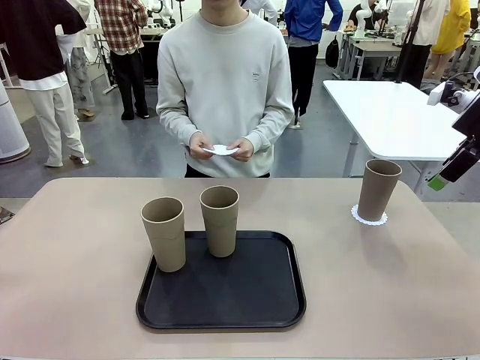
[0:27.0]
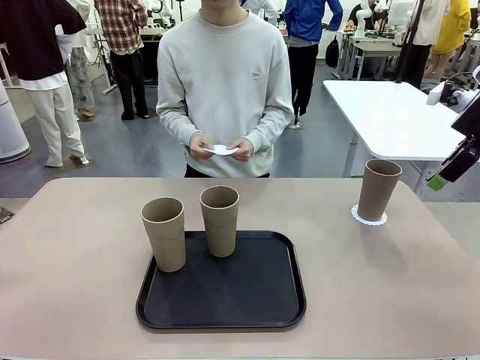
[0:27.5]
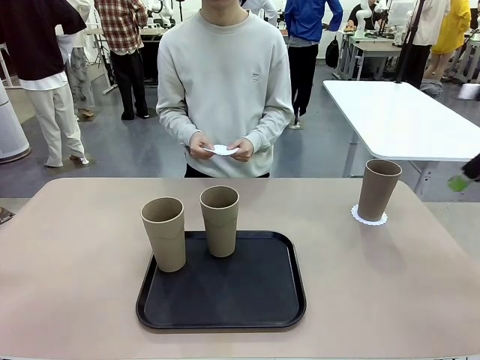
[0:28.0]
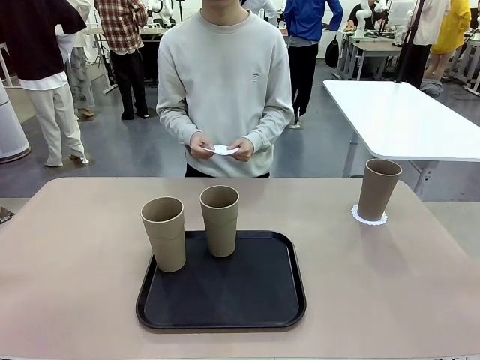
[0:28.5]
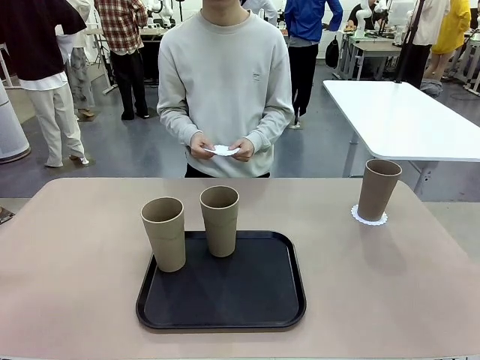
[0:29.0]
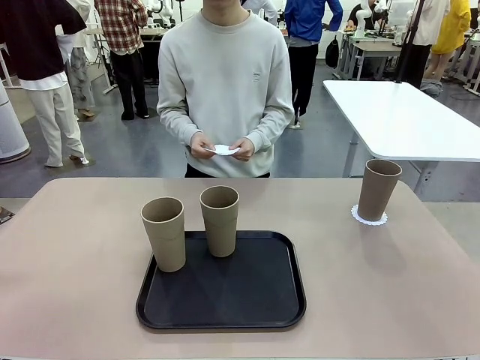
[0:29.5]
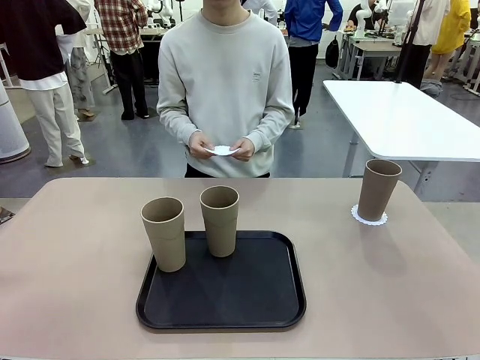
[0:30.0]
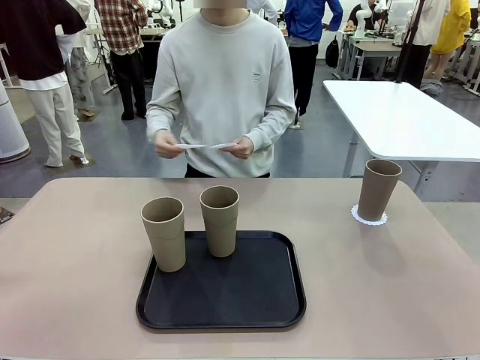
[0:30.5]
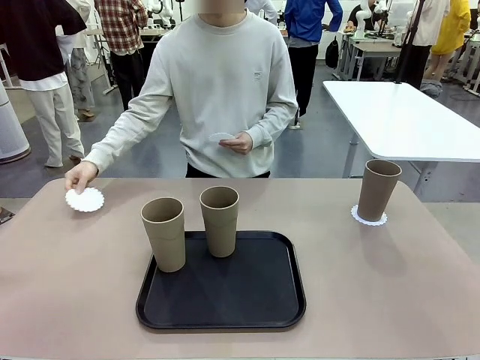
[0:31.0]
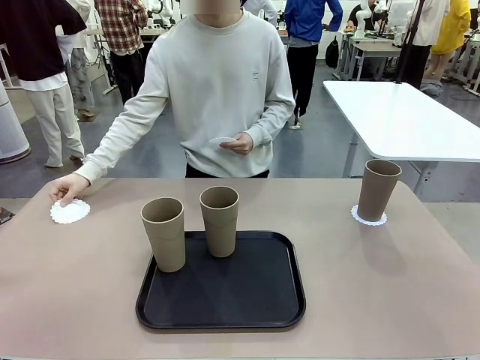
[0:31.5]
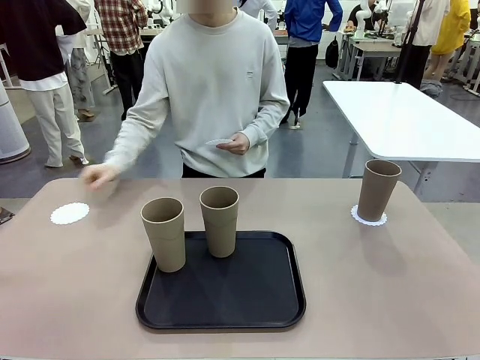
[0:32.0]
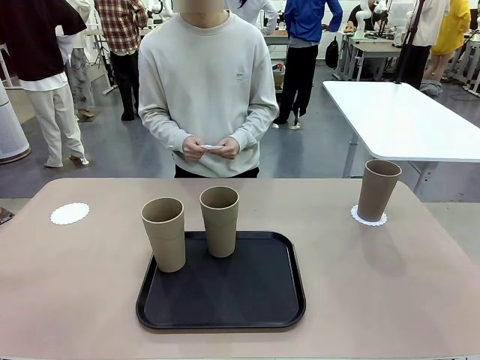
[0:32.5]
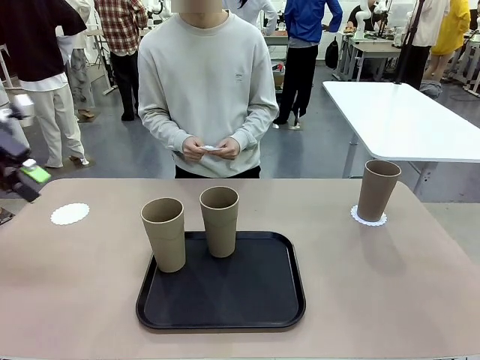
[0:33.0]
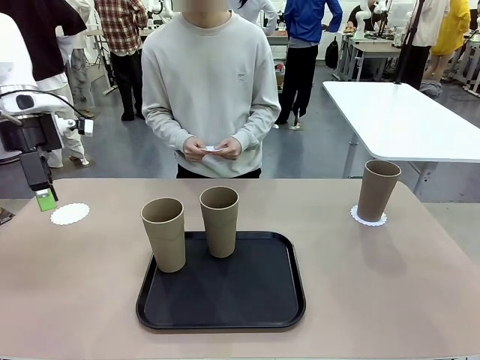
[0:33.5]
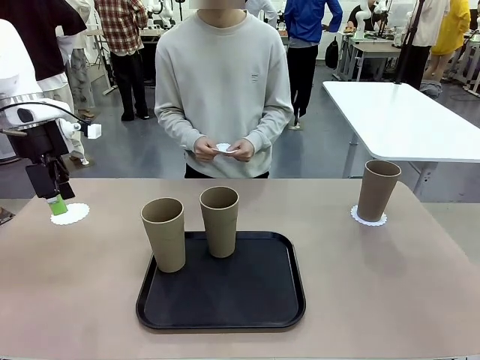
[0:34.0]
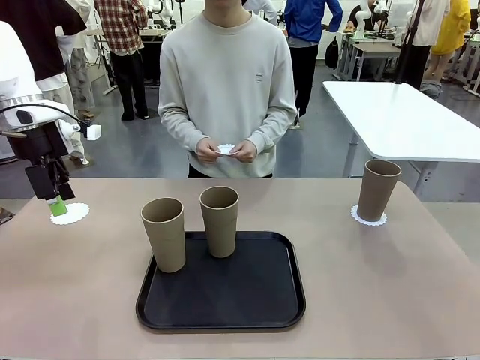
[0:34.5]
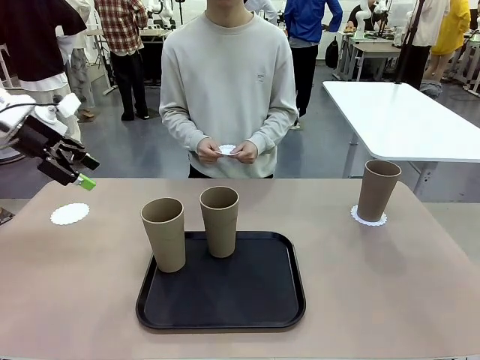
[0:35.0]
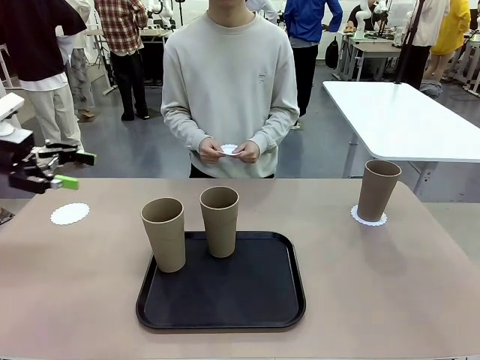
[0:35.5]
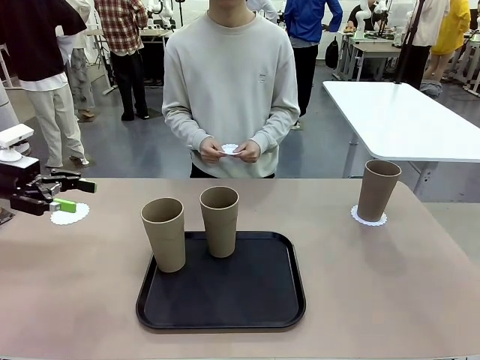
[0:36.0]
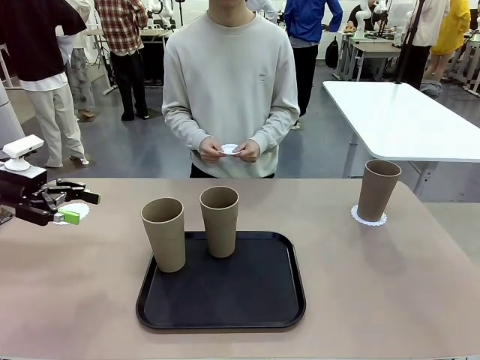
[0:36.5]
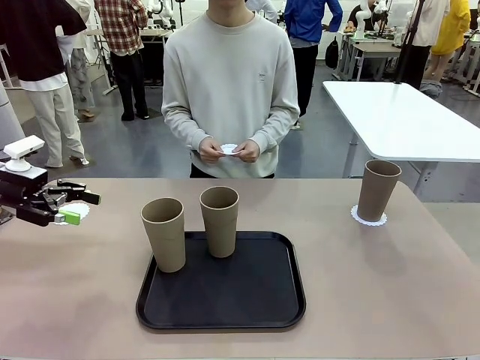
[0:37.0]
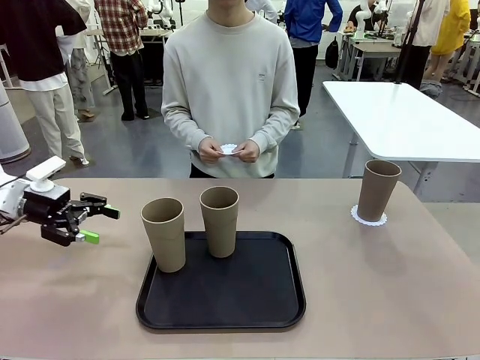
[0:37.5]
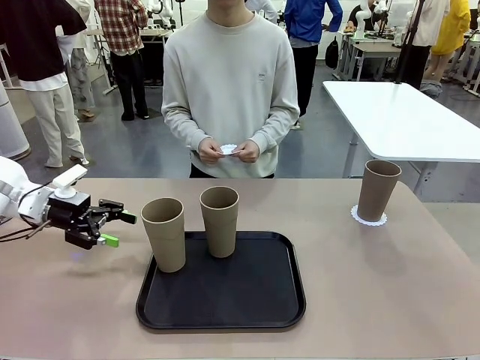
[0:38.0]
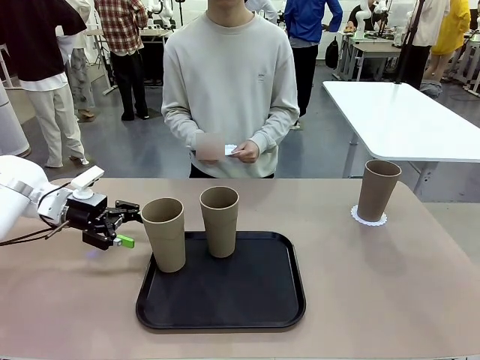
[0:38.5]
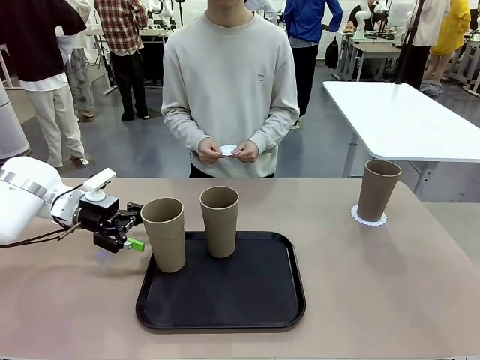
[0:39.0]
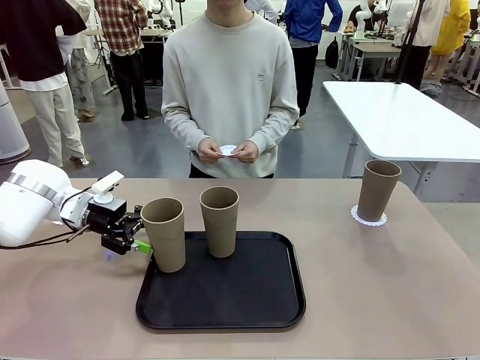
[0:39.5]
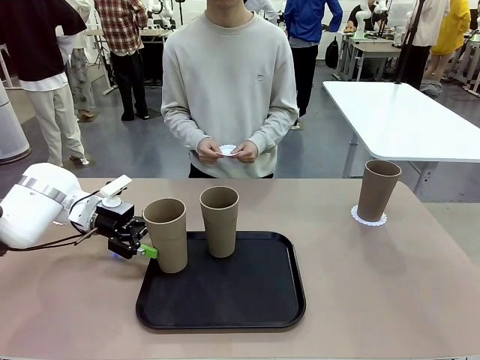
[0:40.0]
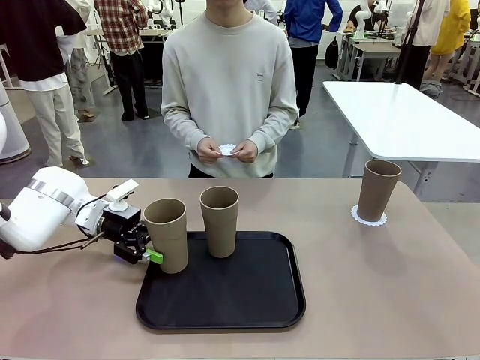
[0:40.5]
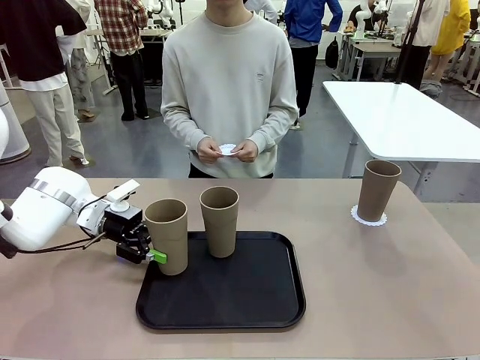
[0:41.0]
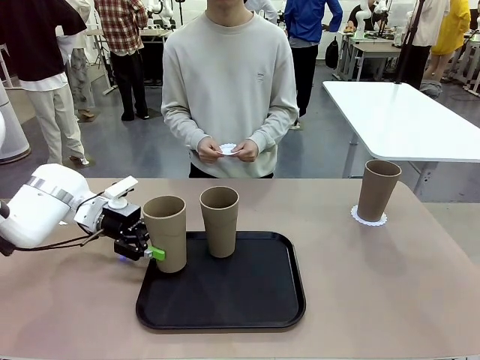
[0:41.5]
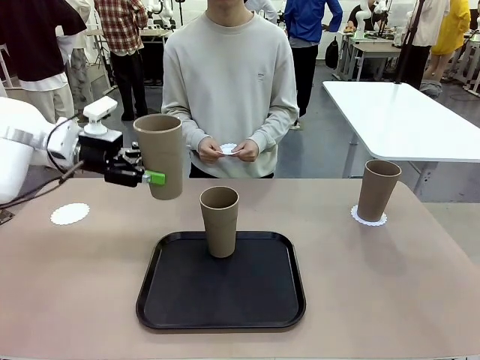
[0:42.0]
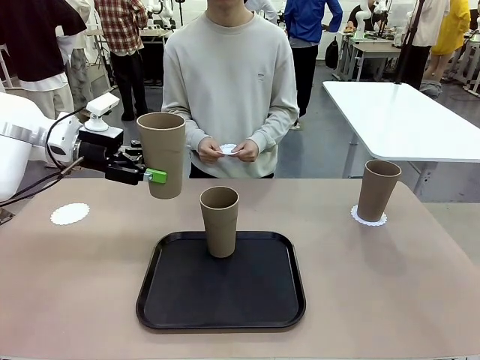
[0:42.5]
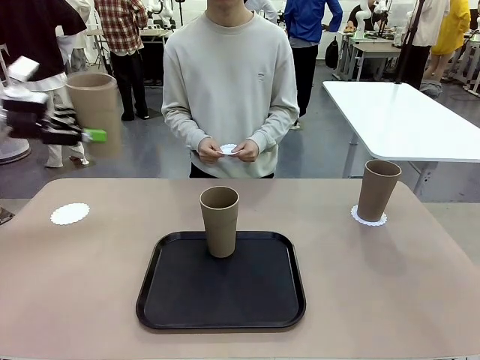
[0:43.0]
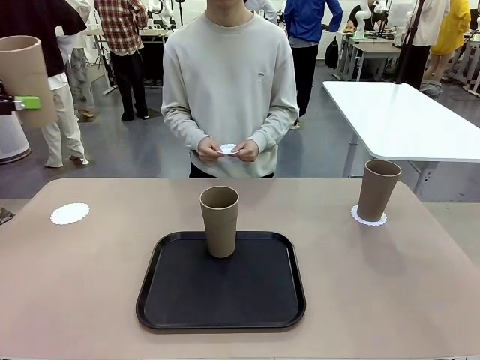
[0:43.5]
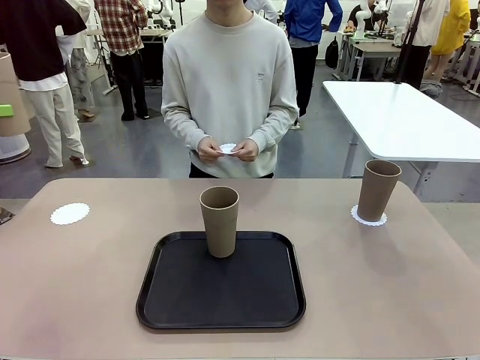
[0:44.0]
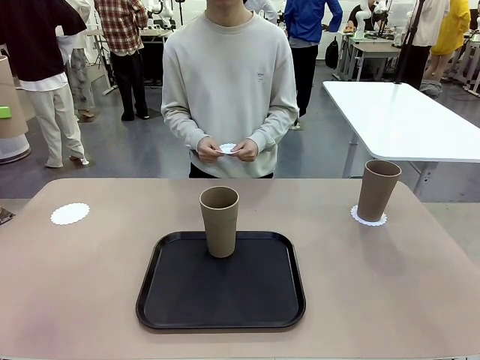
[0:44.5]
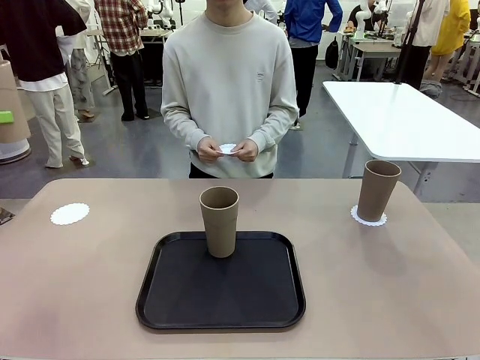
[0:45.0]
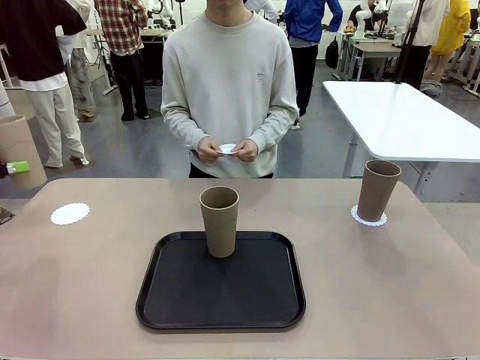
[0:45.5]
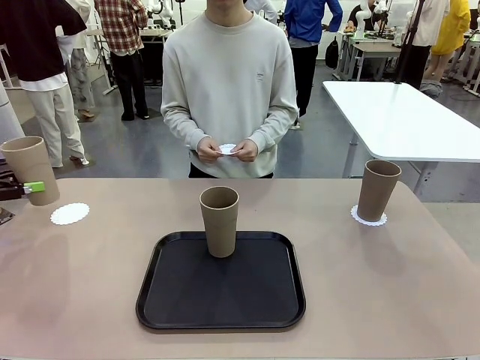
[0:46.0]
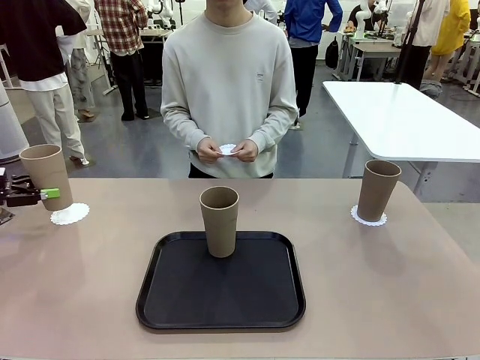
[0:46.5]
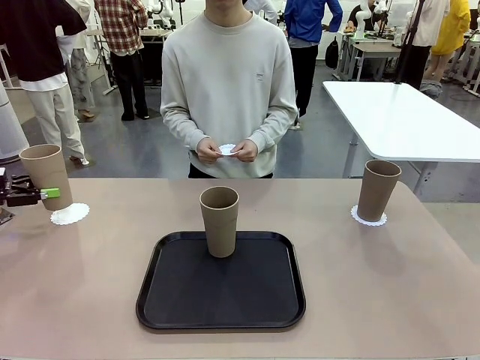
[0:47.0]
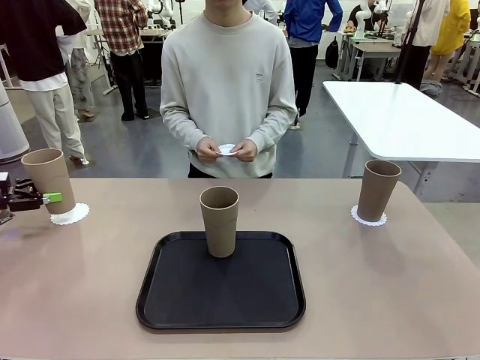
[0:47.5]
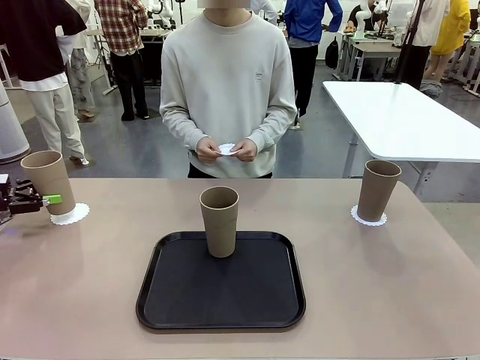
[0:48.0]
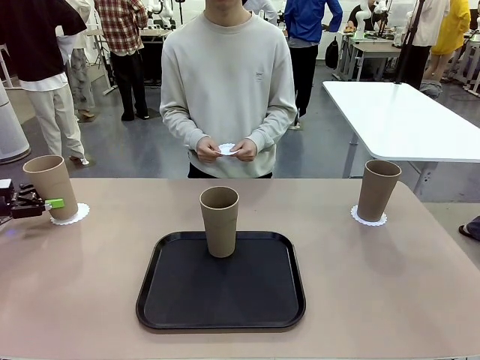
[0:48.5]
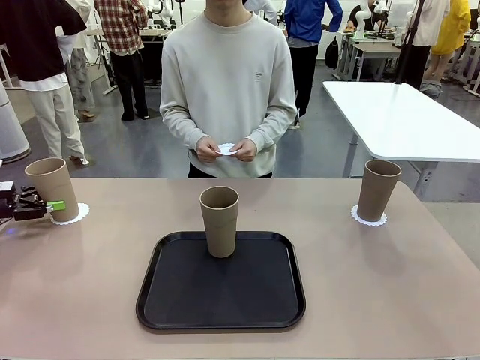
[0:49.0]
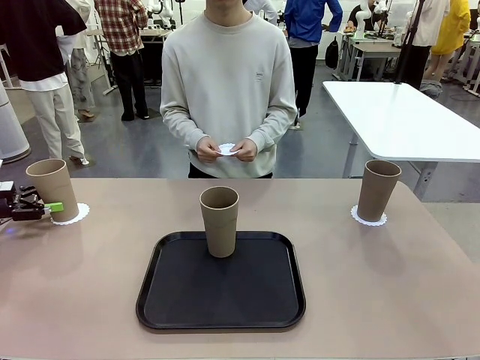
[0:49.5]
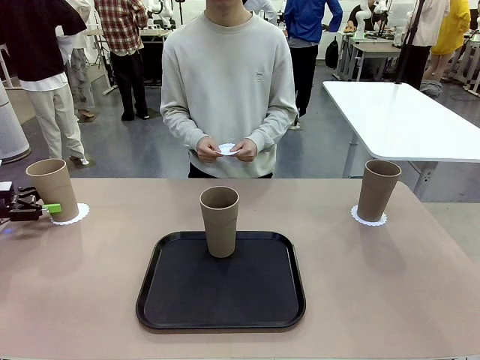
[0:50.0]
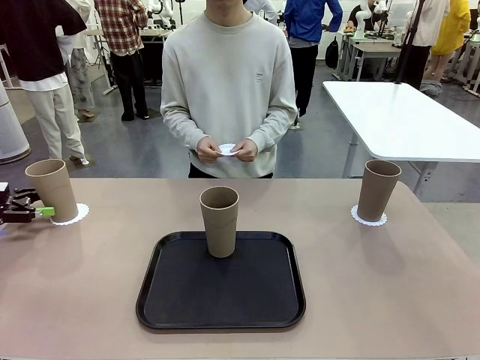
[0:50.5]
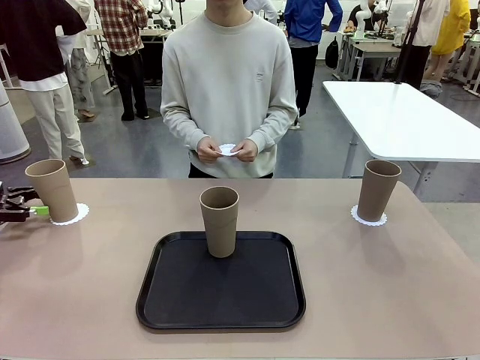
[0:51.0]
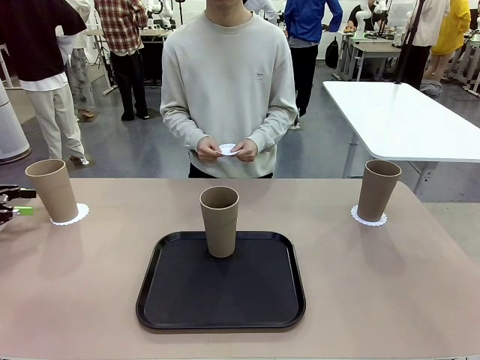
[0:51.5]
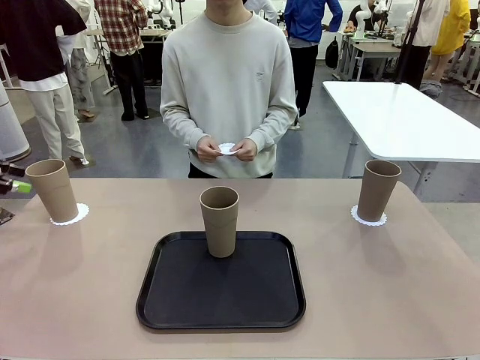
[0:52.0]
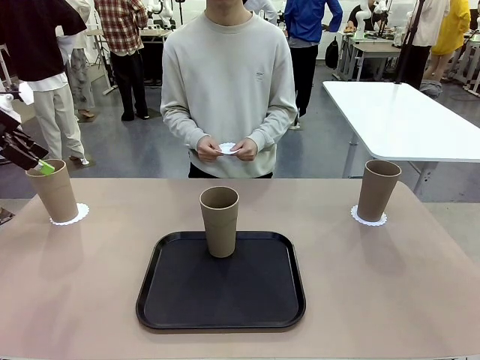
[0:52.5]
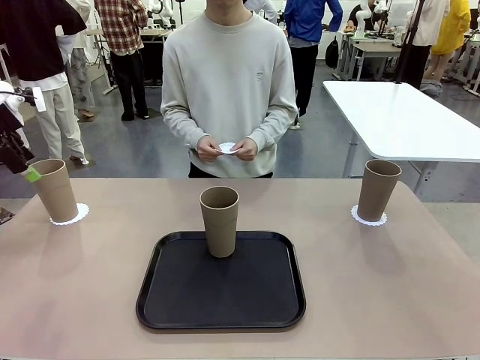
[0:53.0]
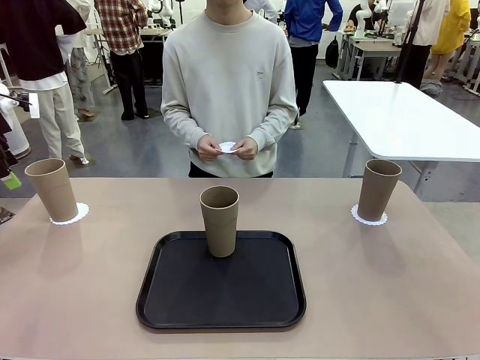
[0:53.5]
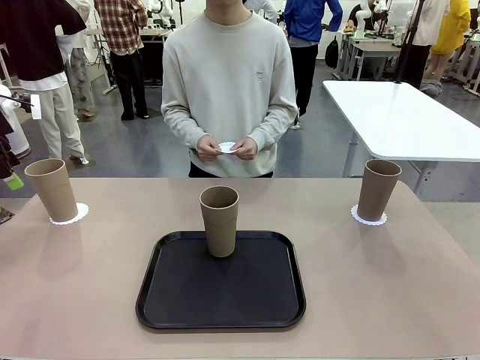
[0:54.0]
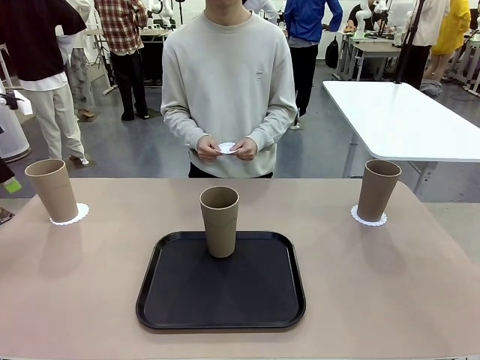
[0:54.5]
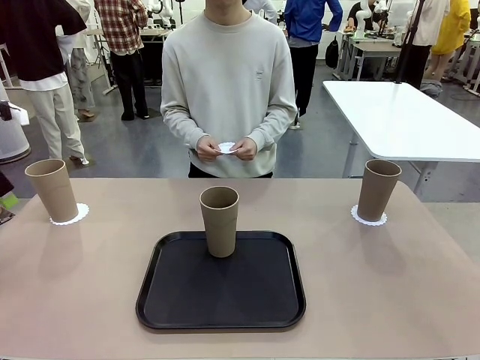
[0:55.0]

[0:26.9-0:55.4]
Task: Place coasters on the table and set cups on them.
Robot: Take one Reusable plastic cup from the Flat Tray and place it on a coaster set by the human.
